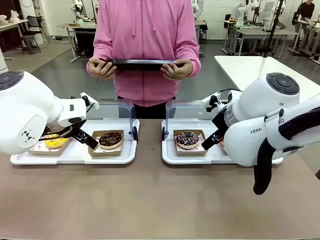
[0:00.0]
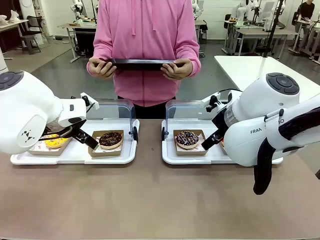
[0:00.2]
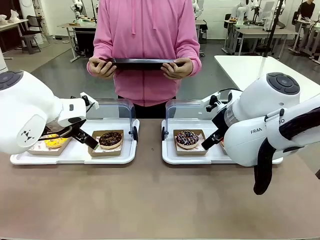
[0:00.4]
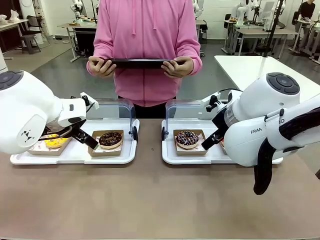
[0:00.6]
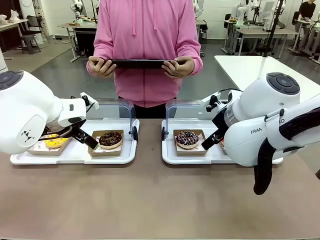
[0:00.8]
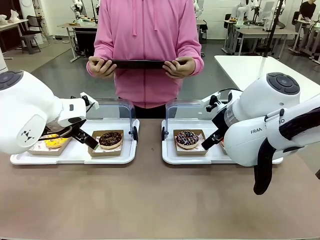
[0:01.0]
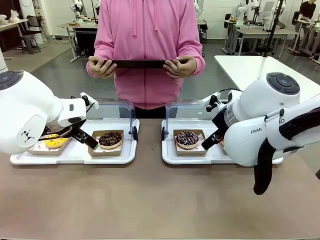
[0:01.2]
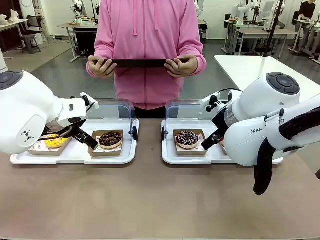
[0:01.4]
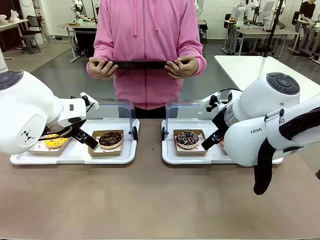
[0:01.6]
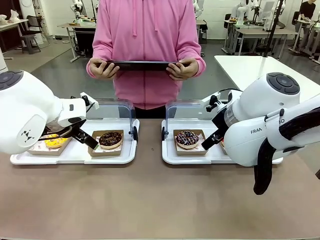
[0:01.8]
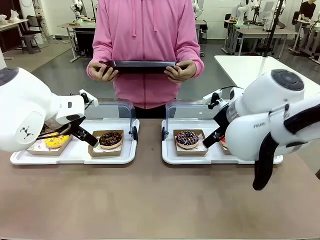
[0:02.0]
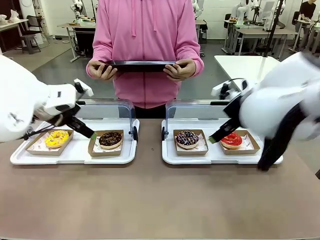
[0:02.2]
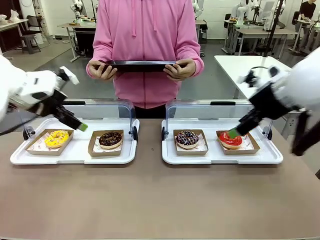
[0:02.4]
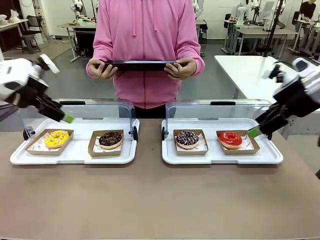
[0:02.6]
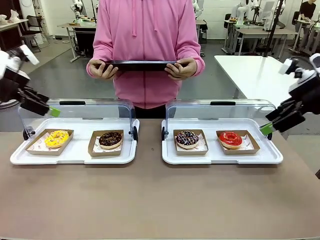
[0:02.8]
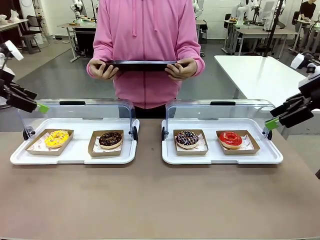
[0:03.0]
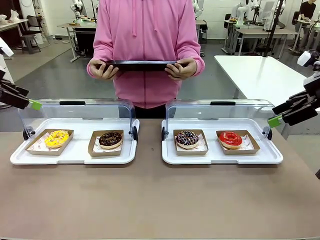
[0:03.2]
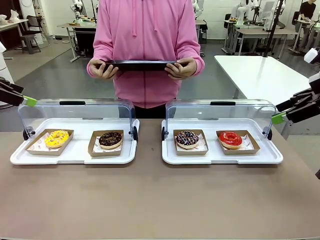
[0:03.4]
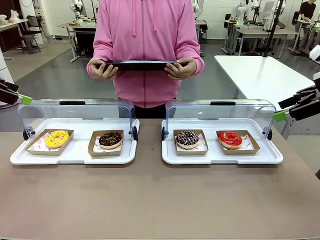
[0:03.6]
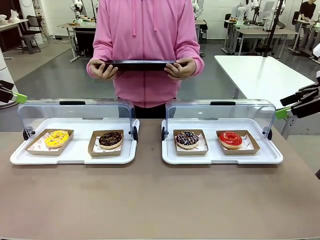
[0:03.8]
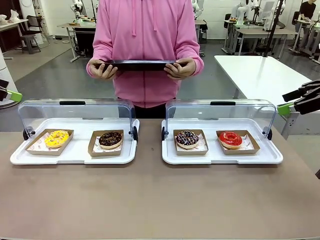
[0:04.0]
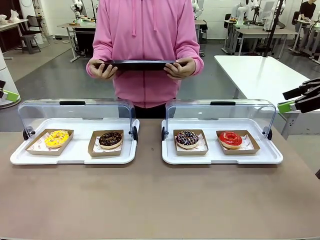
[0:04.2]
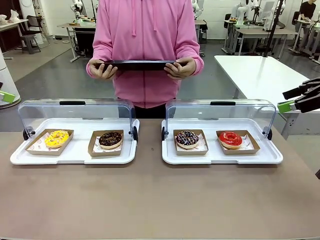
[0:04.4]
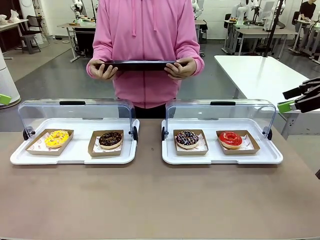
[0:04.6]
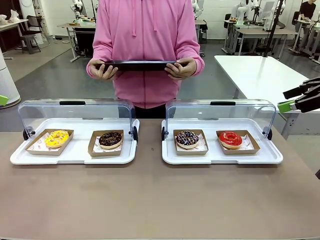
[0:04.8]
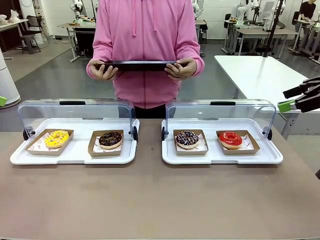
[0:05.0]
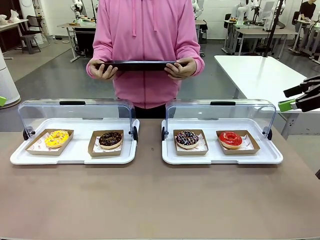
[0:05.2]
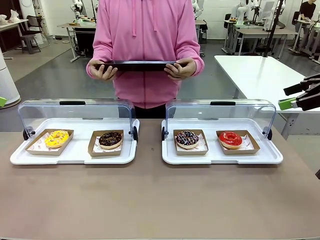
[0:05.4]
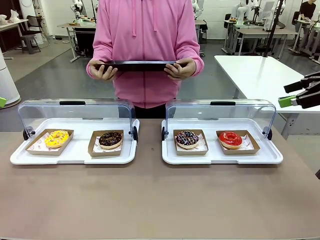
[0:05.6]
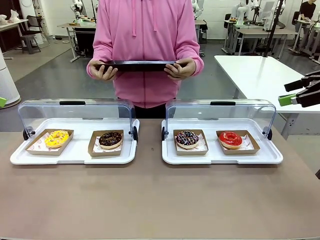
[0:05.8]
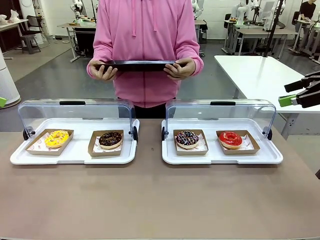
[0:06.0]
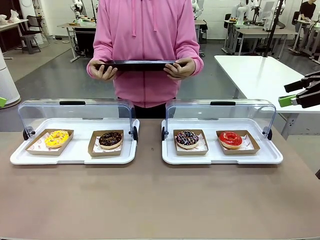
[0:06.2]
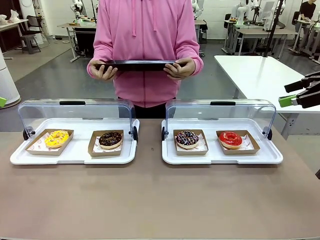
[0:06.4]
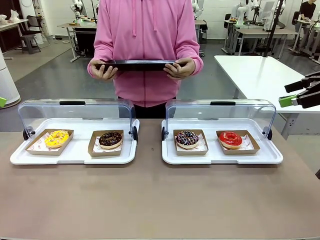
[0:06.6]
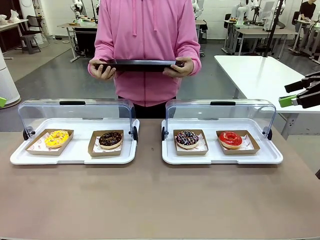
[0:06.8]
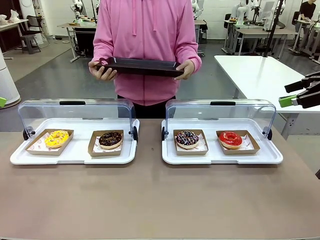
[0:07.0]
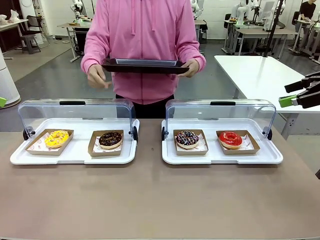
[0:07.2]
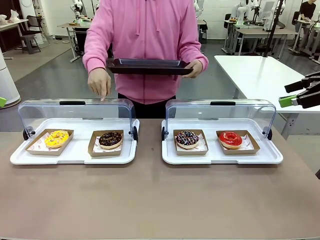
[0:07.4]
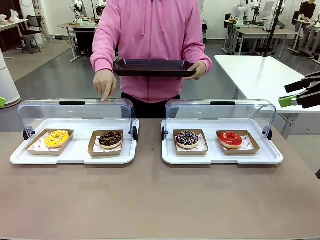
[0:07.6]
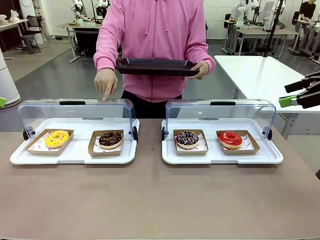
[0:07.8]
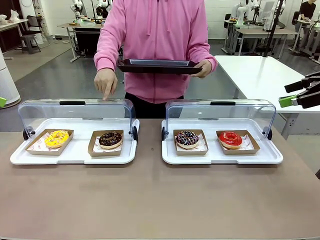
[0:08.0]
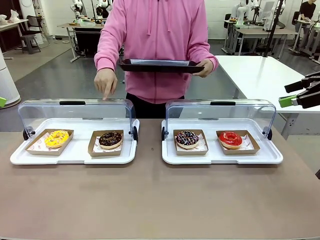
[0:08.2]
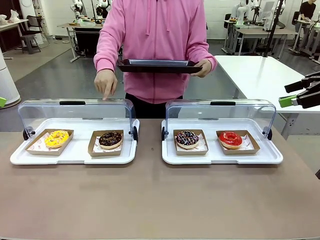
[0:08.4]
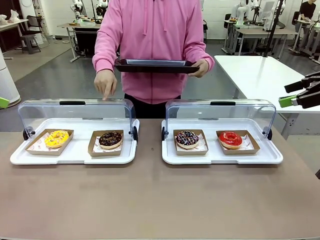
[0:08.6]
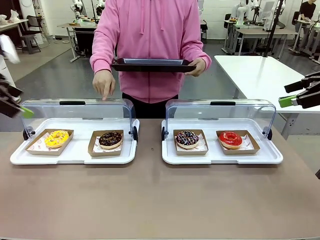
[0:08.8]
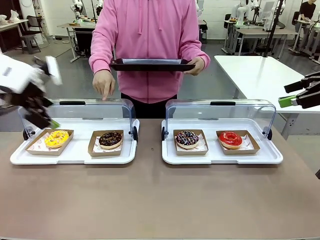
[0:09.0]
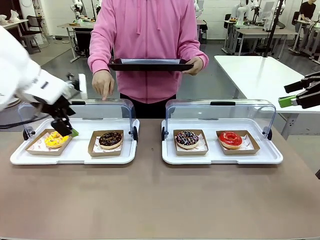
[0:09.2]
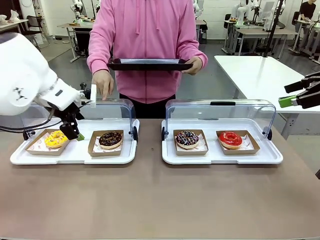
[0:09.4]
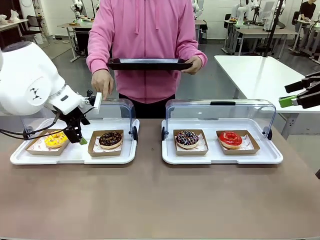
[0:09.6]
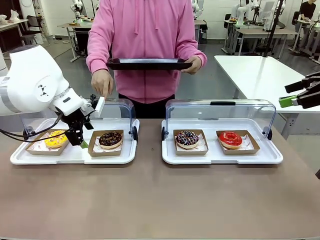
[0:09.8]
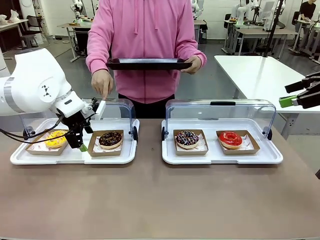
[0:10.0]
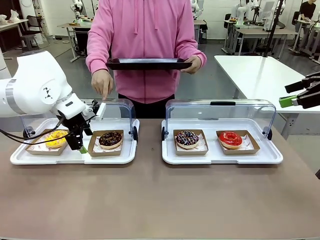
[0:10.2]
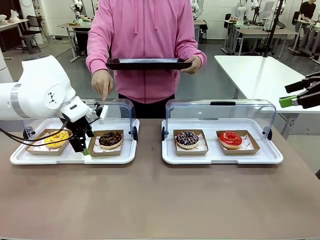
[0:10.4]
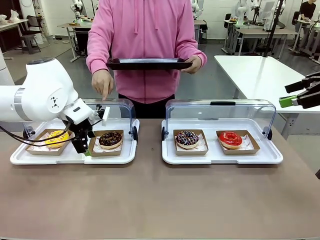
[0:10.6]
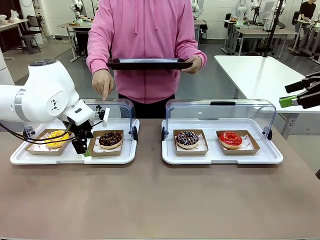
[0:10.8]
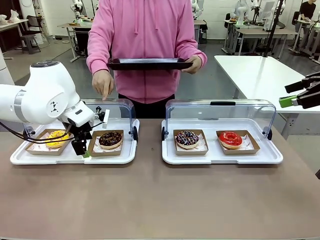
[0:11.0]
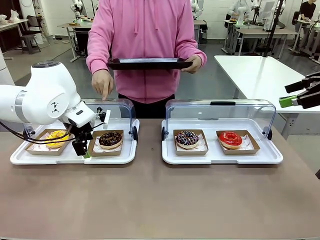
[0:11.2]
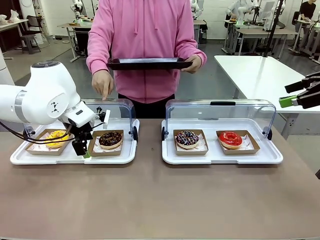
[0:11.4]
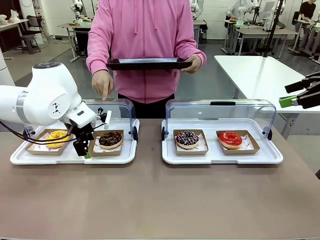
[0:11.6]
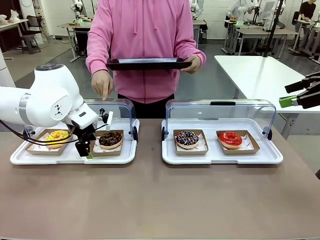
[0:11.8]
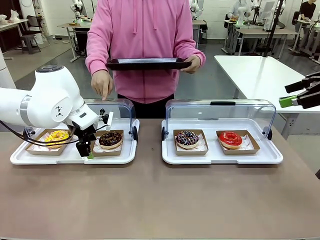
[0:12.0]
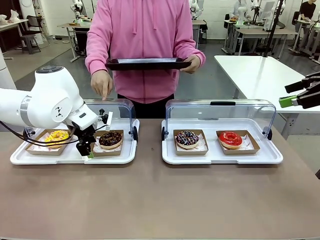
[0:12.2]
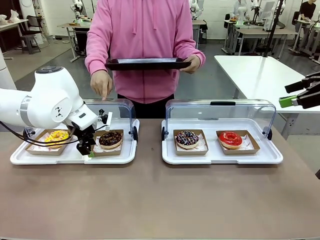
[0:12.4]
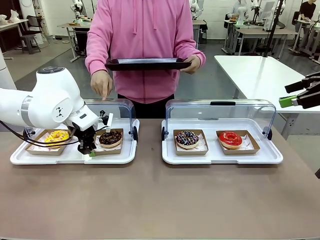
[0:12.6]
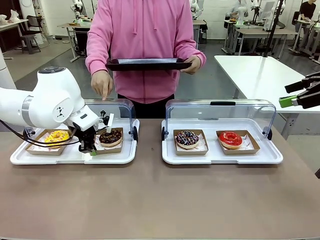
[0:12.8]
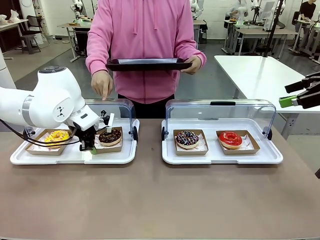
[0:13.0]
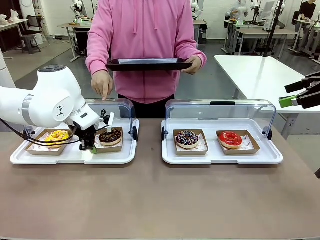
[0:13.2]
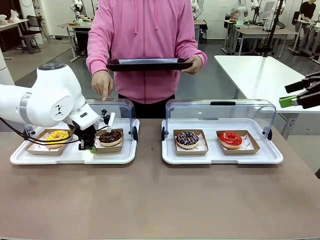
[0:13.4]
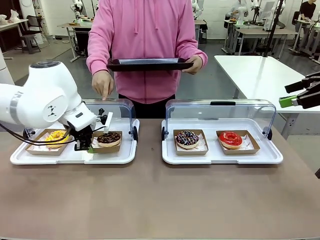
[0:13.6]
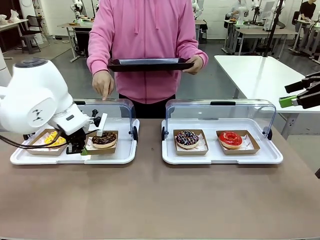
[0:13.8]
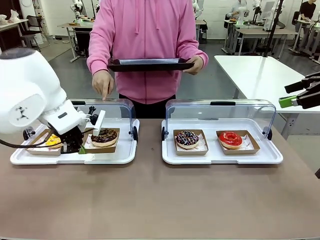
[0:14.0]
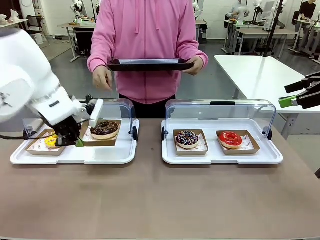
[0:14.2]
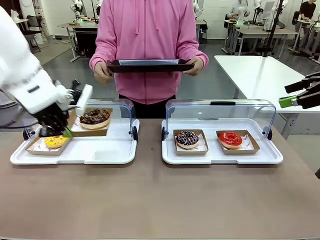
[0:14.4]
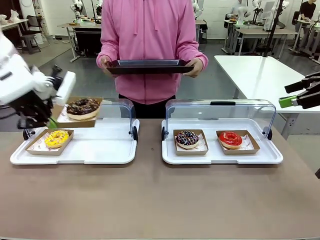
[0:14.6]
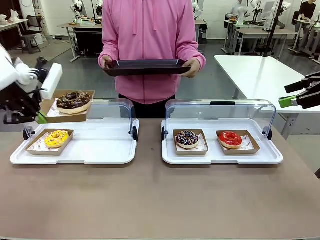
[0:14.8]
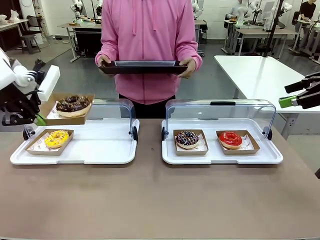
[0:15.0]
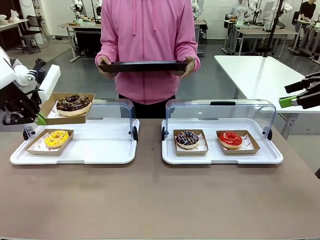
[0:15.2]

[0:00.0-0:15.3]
Task: Provide the desired donut to the person.
Robot: Pick up and lift the Paper togo box containing the Donut pointed at by the person.
Person: Point to one donut. Lift the tray onto the Roll-Top Bakery Case.

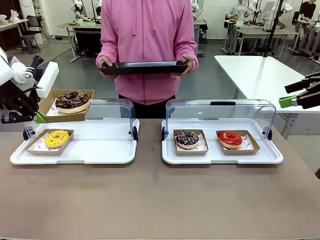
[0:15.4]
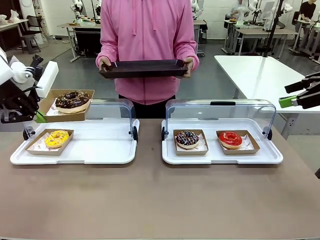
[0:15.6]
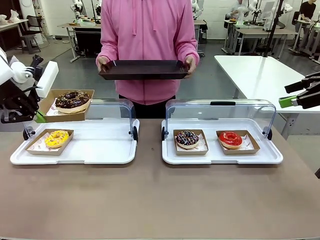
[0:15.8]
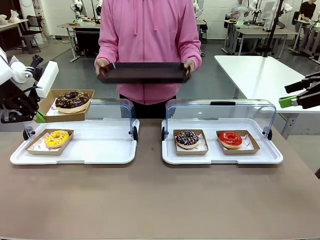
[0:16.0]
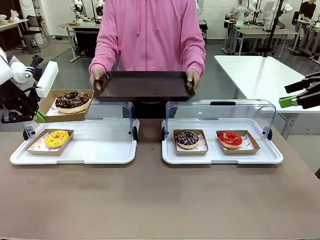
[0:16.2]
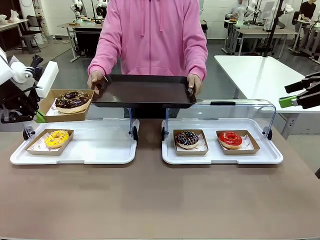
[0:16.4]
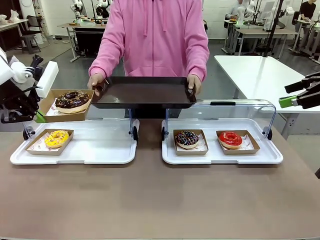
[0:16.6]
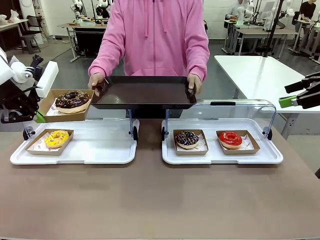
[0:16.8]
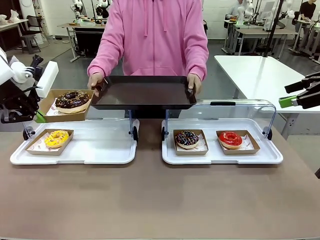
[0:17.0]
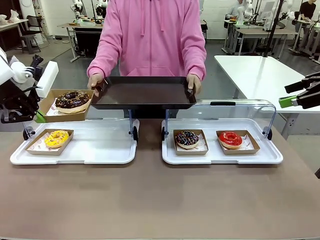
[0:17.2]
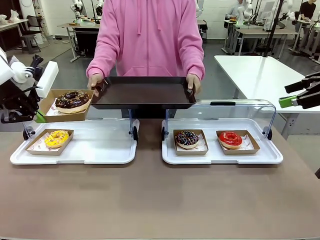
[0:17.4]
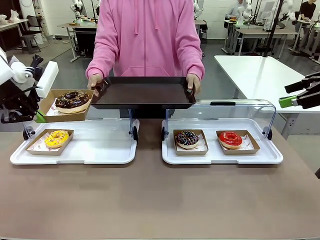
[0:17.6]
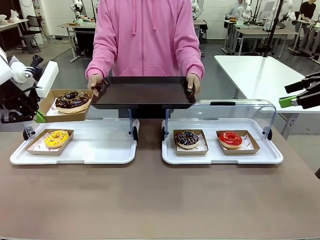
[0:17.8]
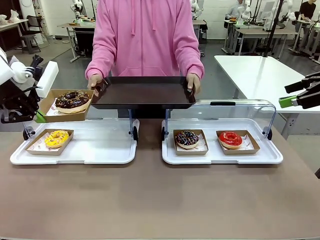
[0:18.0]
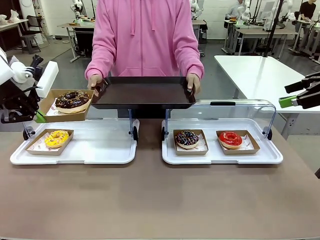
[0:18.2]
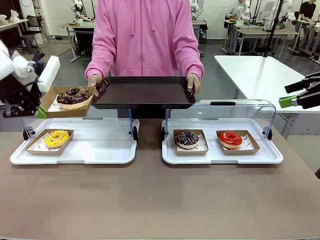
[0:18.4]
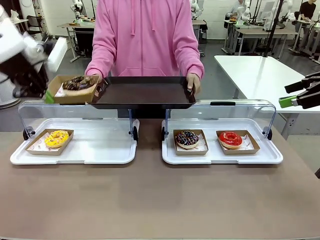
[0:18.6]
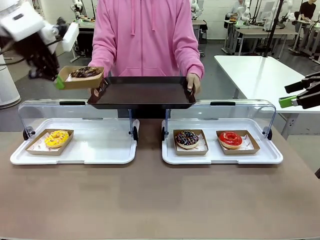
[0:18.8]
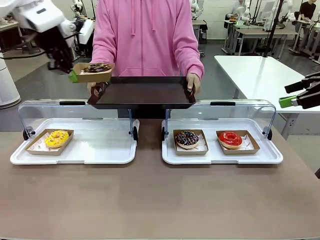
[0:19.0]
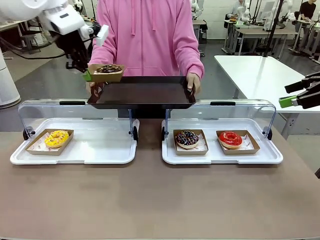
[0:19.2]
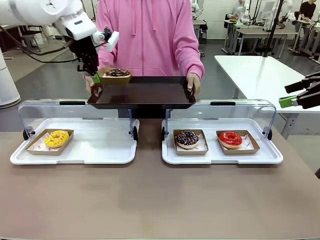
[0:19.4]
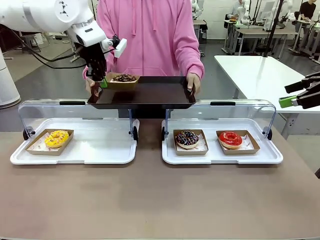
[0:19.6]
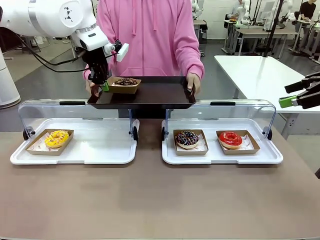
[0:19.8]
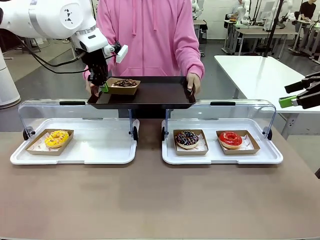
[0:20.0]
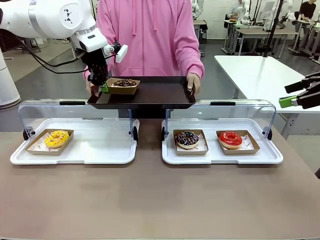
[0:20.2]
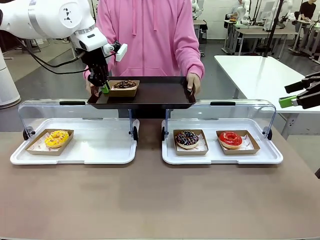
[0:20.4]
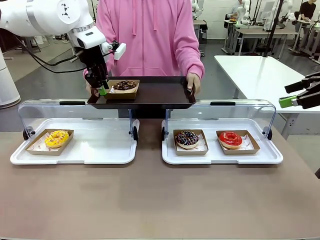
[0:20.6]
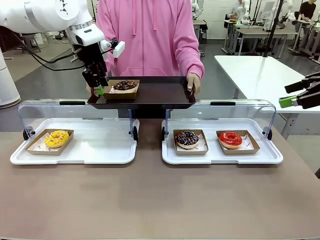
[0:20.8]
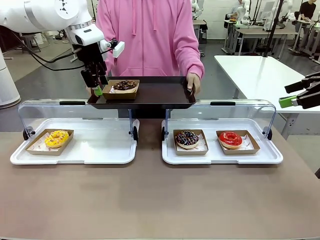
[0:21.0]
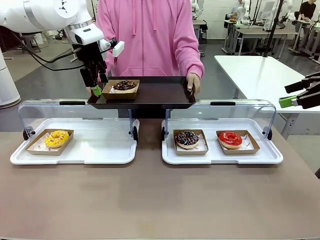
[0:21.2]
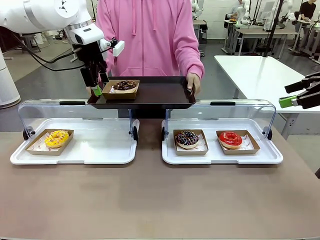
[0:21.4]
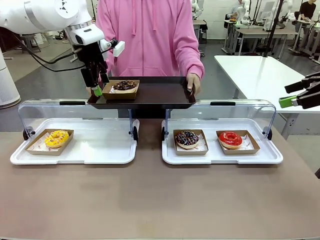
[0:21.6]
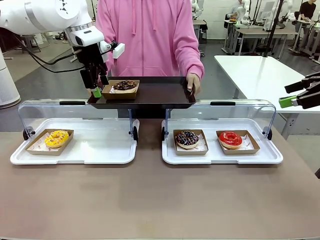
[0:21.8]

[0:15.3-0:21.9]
Robot: Place the picked Paper togo box onto the Handle tray extended by the person.
